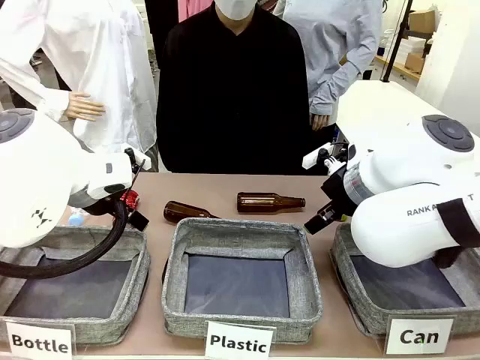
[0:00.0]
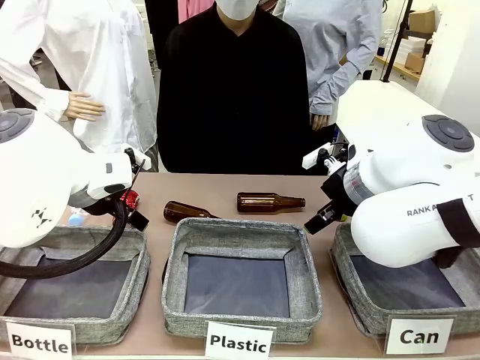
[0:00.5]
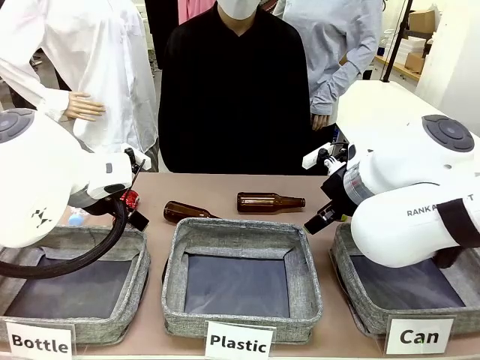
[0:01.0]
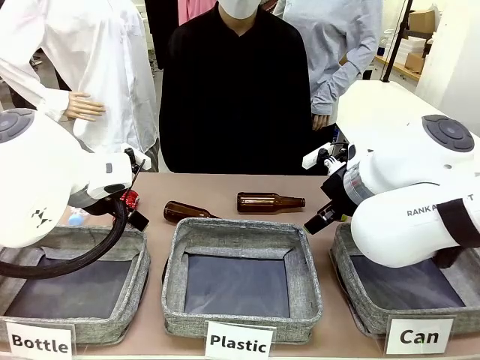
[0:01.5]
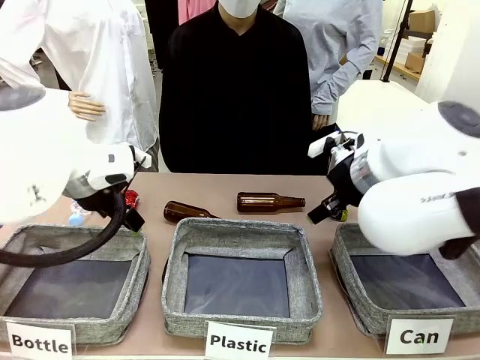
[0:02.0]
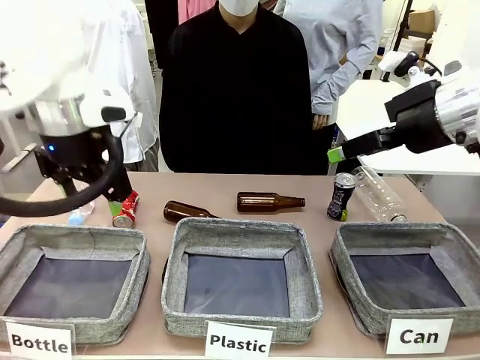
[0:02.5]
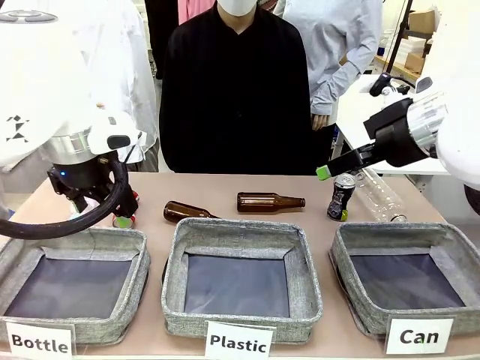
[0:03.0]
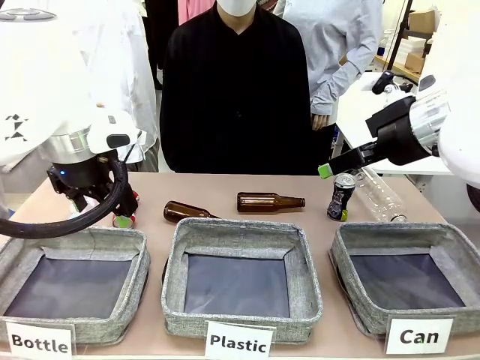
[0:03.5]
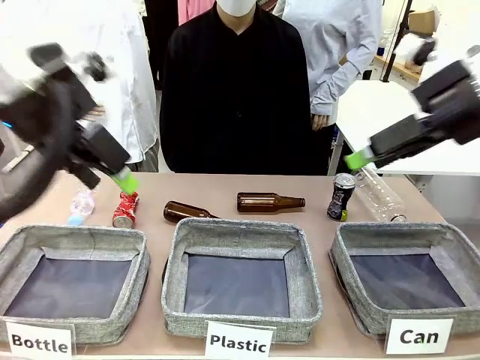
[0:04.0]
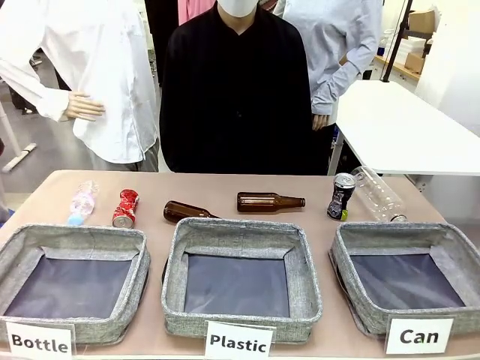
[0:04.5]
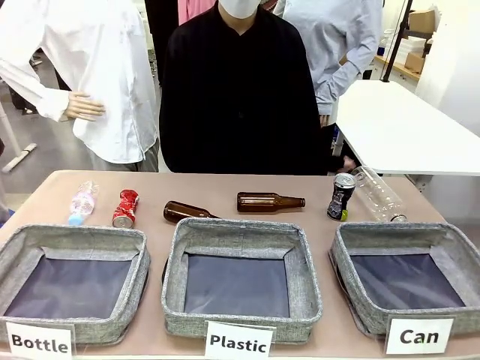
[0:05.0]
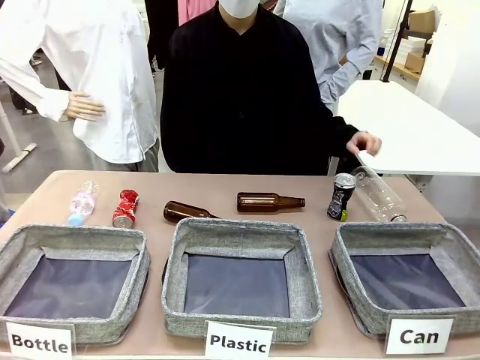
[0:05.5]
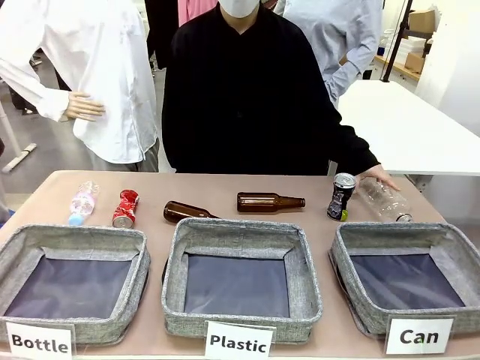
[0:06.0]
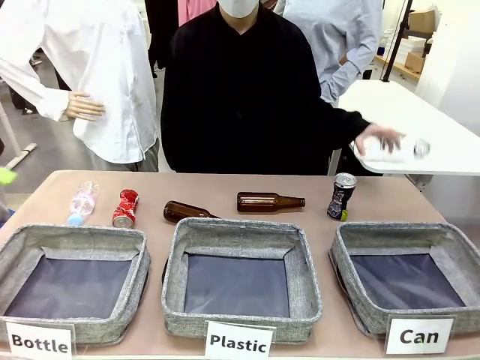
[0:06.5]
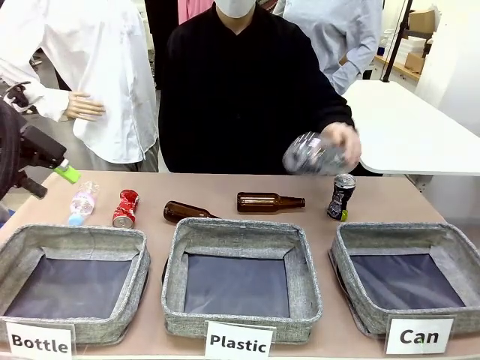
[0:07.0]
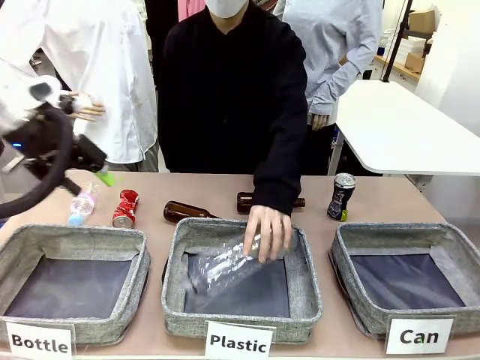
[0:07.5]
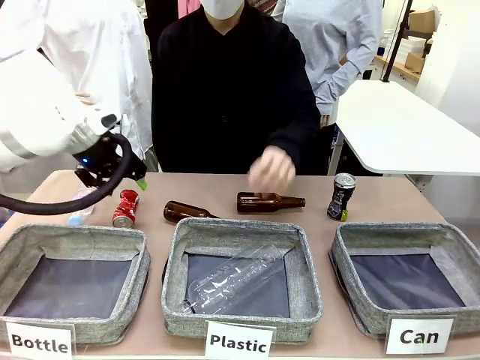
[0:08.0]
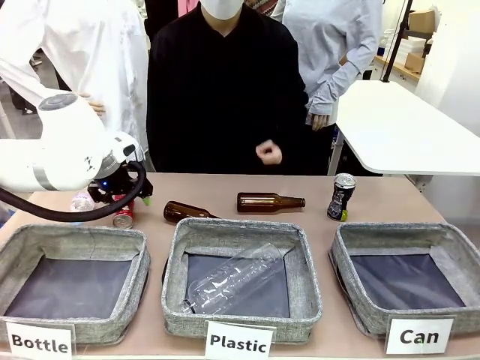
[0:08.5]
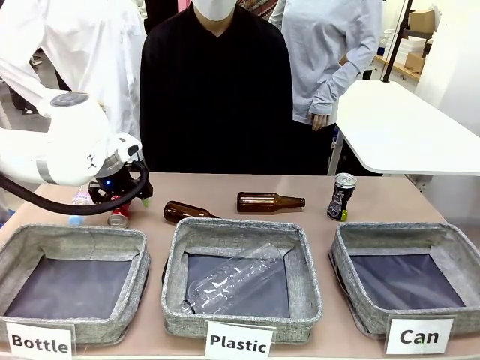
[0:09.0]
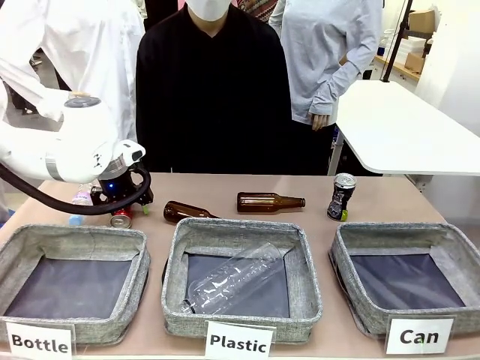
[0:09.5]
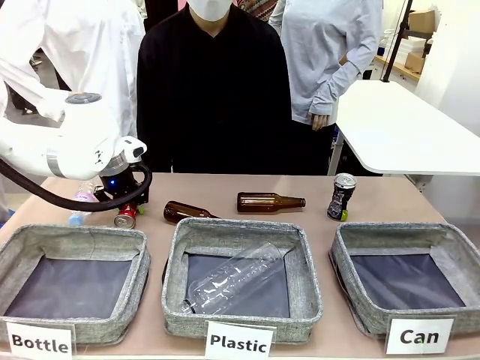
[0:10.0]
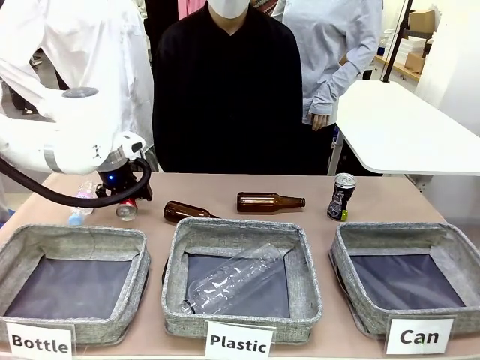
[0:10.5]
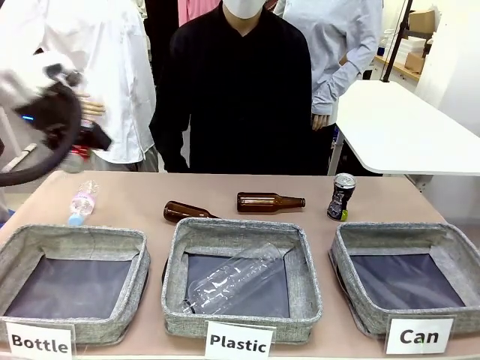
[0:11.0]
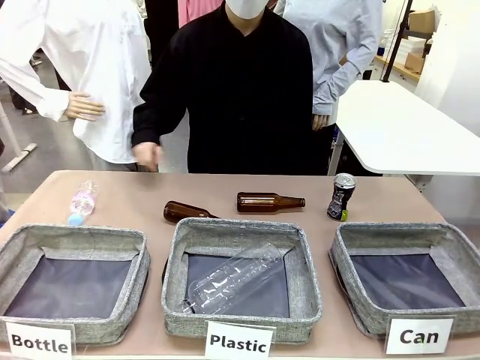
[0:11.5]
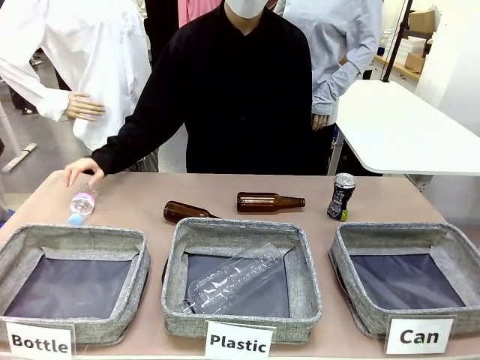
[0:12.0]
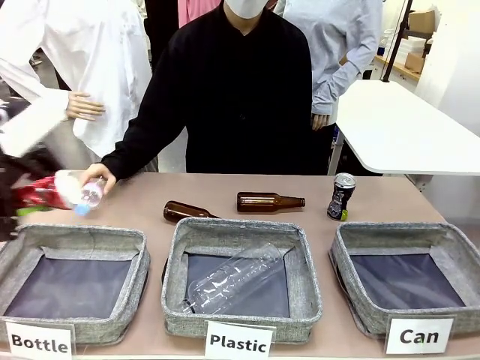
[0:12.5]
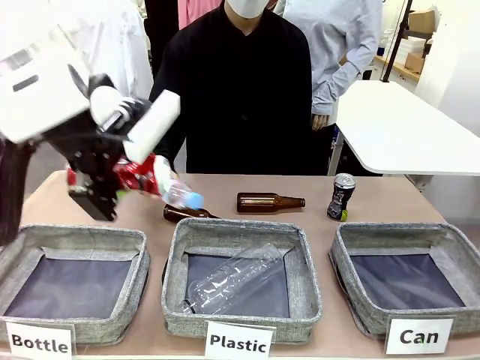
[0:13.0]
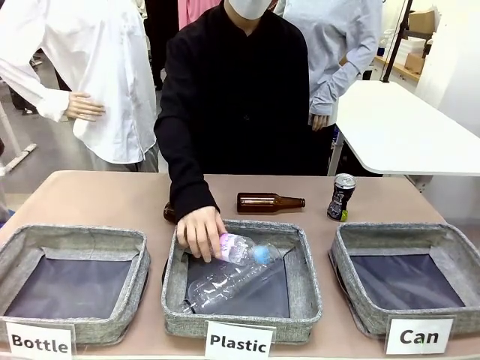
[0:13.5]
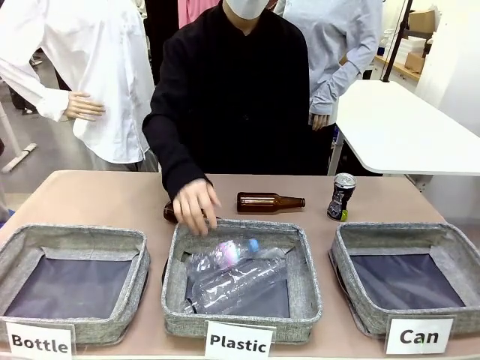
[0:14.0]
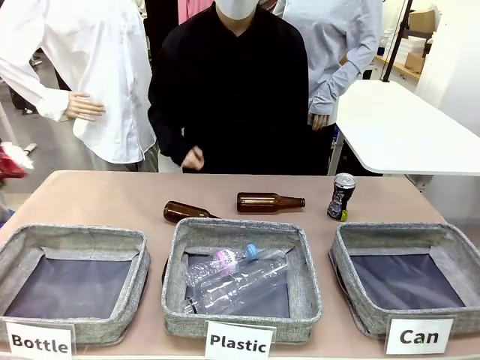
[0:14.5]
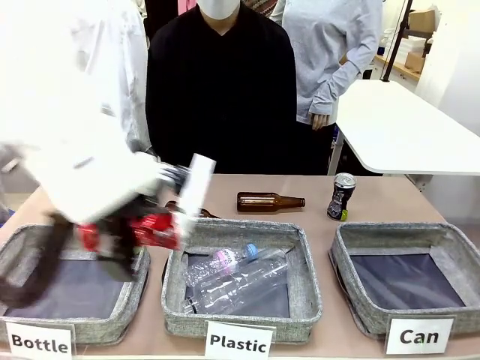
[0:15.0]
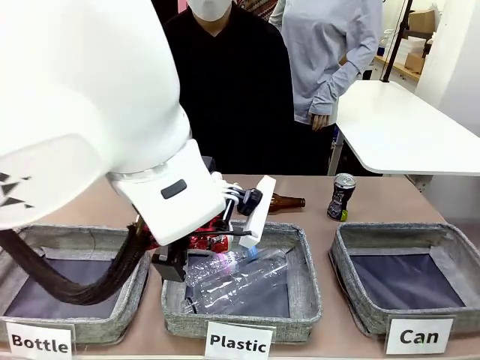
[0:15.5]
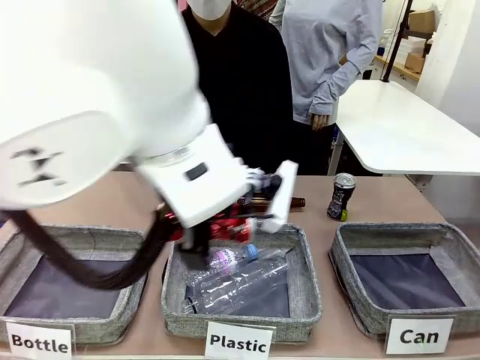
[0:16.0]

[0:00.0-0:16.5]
Task: Sort the can waste into the basket.
Robot: Pick up the can waste from the table and place it in the right Fabric basket.
